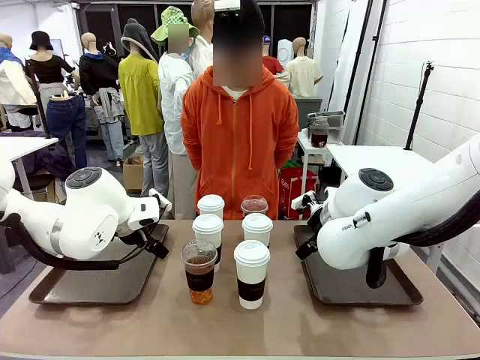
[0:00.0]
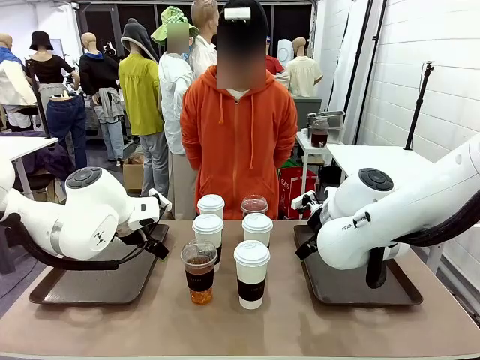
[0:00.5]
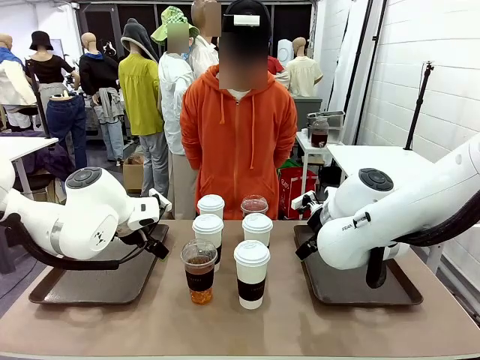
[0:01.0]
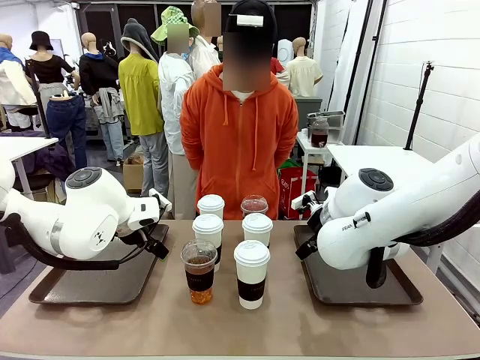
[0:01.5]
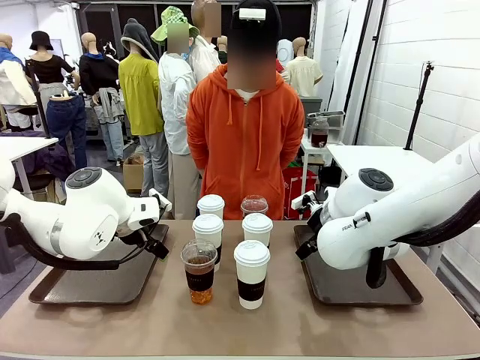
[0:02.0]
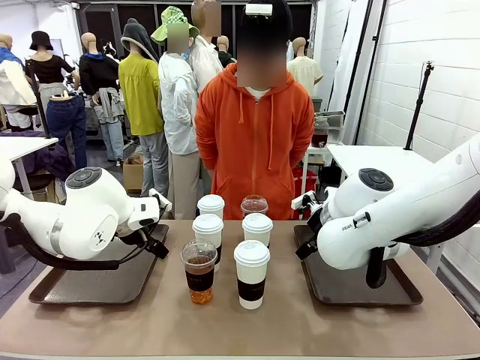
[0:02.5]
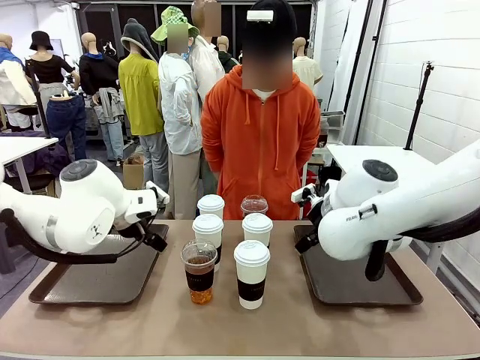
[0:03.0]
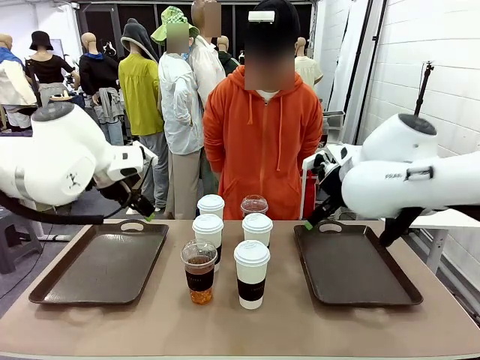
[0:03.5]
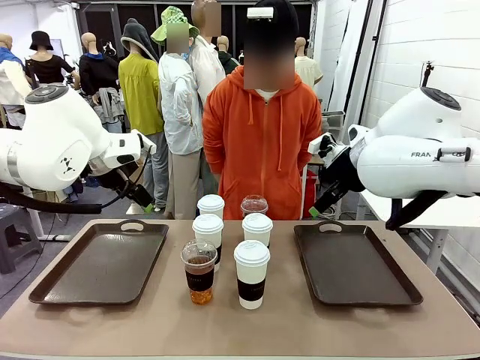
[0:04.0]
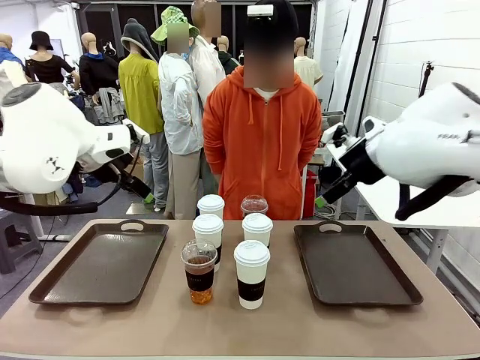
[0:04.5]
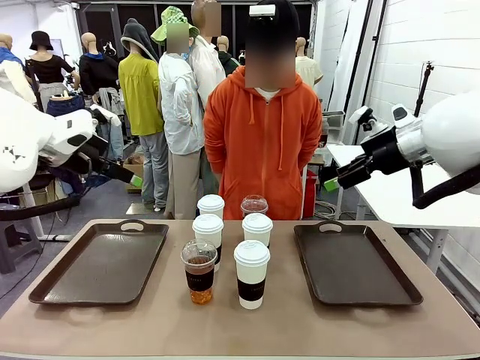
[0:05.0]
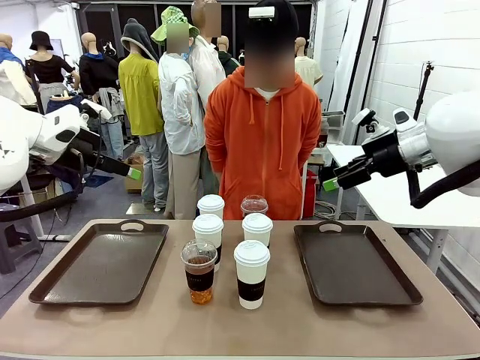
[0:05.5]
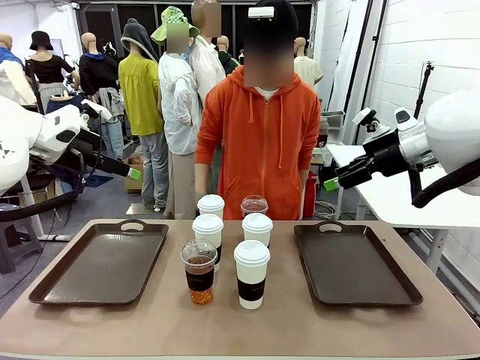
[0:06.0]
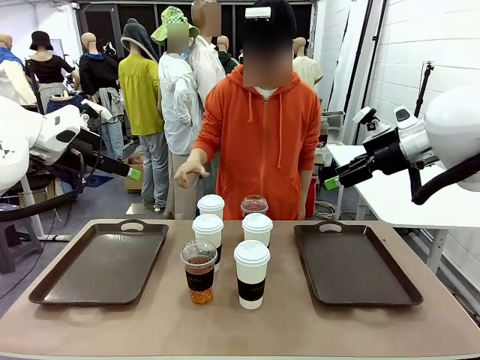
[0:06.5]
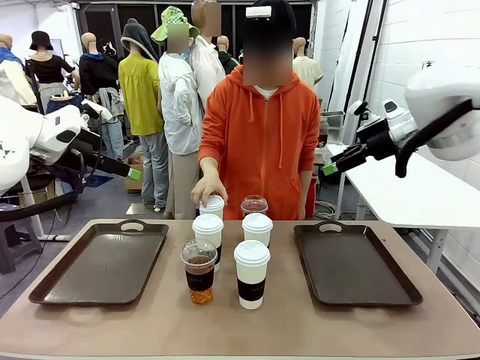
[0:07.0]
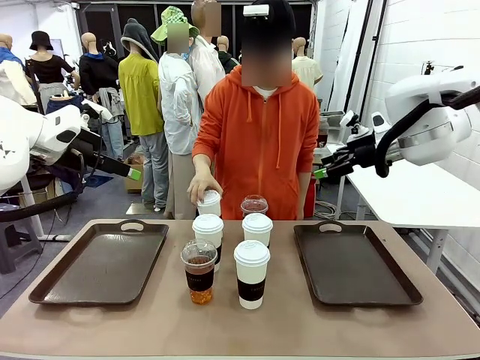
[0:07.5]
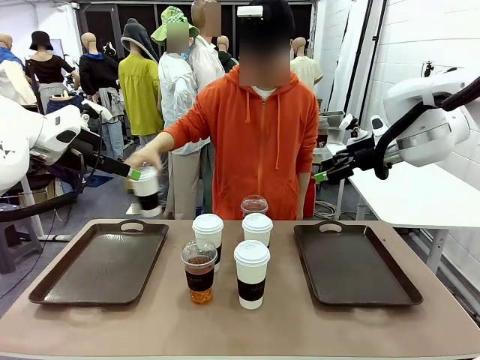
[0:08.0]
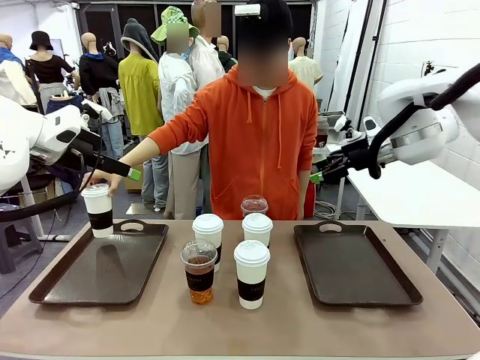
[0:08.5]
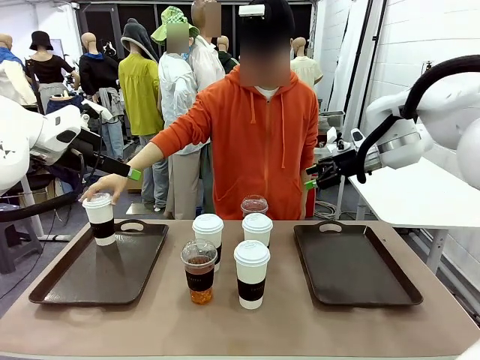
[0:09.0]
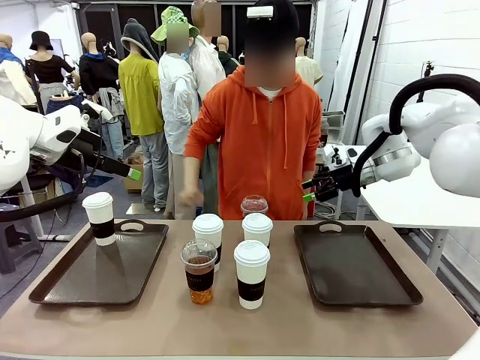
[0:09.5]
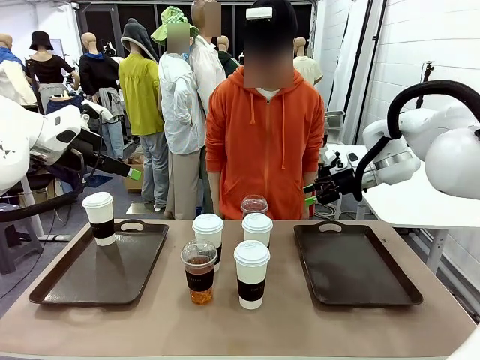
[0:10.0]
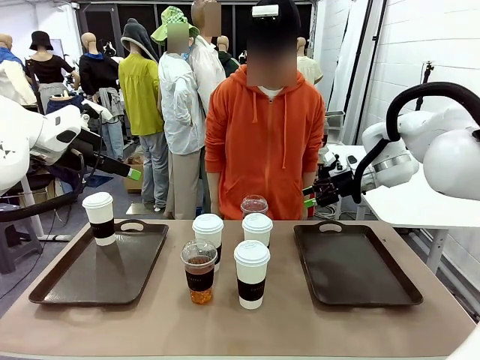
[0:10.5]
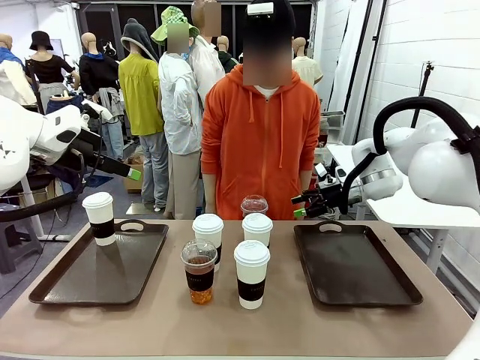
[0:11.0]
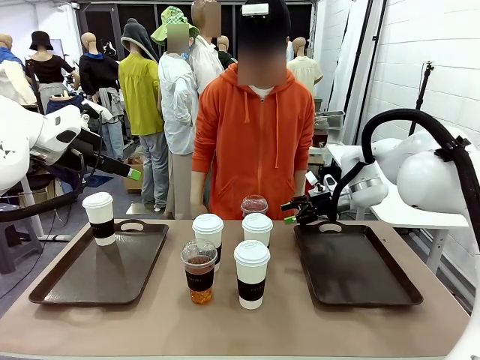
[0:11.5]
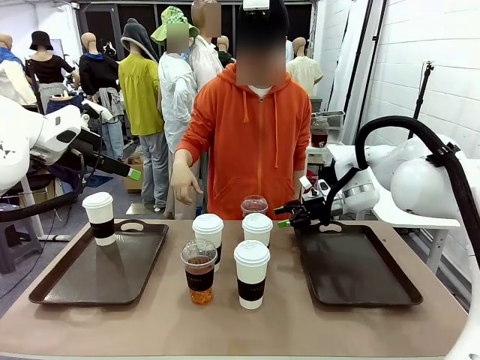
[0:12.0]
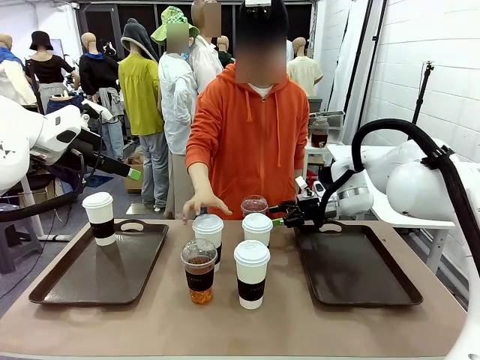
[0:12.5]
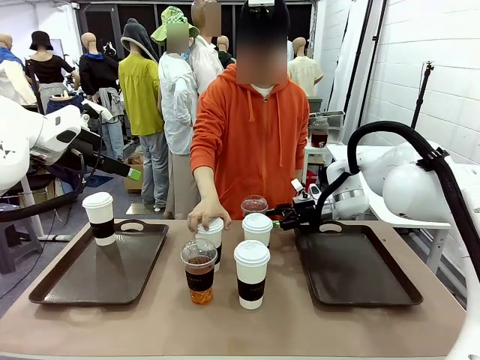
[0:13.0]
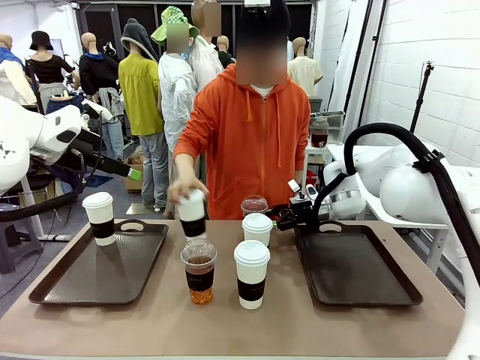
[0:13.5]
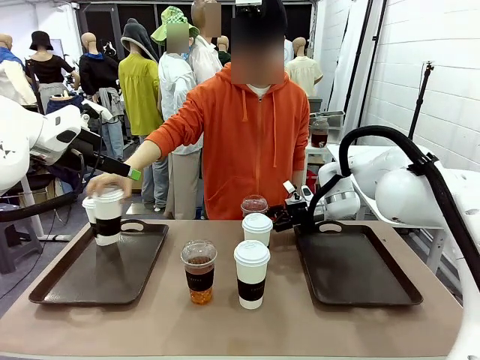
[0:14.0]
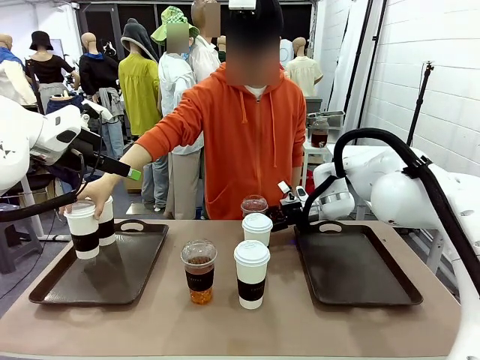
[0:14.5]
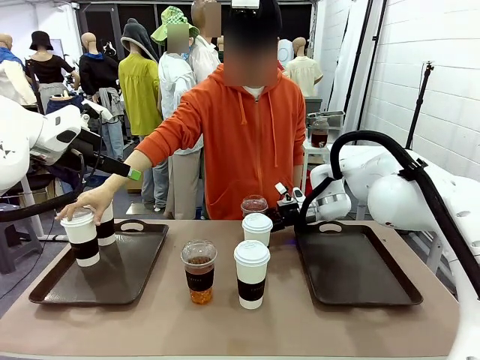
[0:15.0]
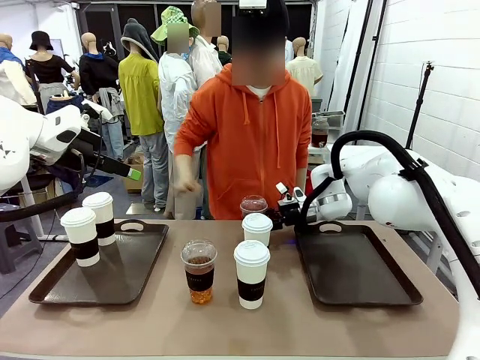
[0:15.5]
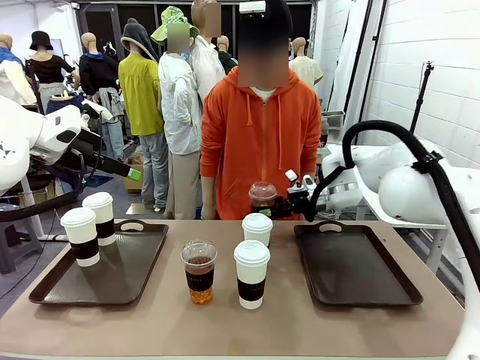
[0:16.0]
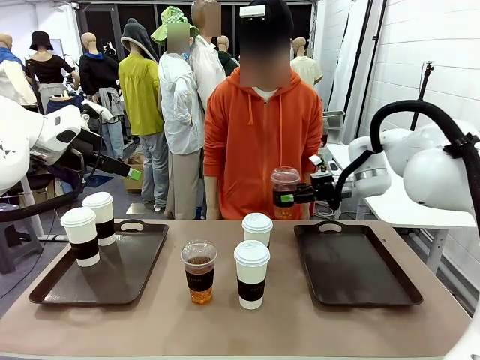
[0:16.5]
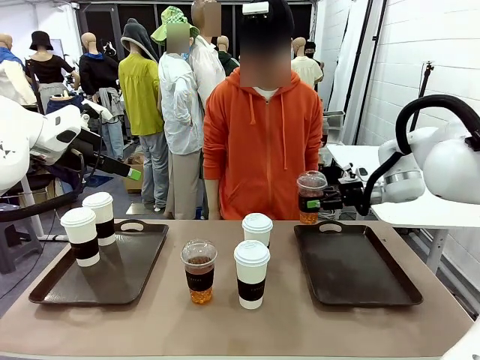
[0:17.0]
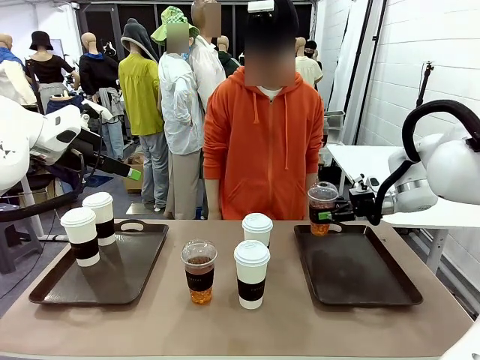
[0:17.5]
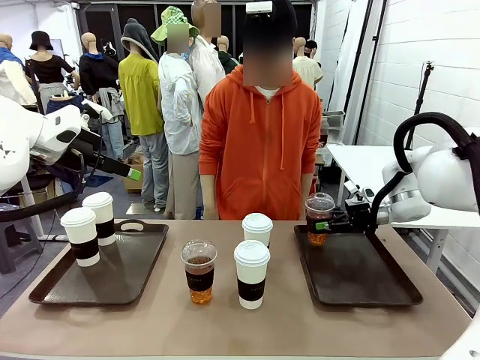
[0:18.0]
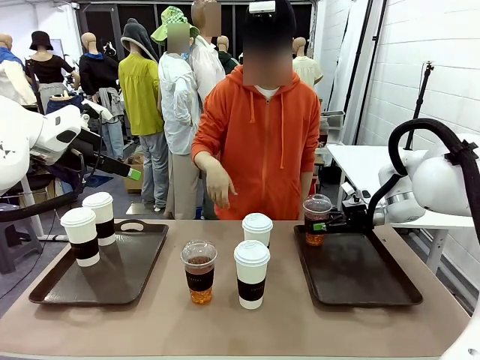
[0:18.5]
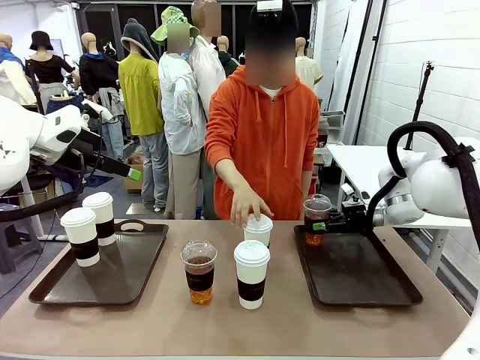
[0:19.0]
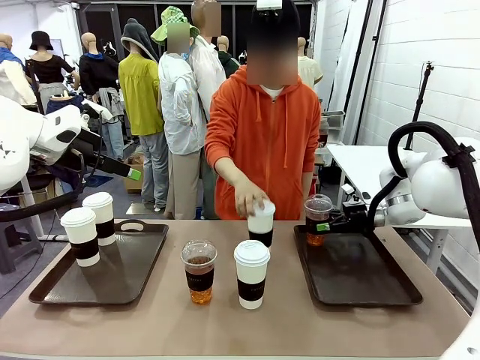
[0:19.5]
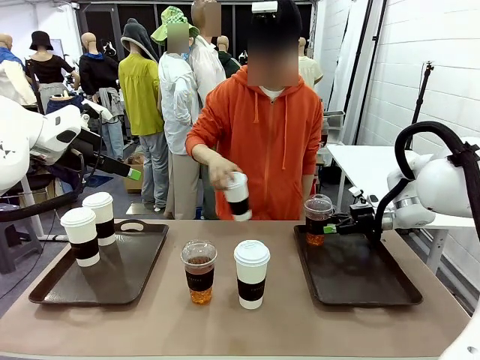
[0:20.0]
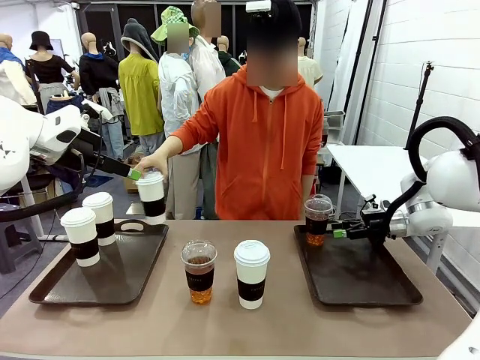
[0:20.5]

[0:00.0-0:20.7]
Task: Distribute the coffee onto the tray.
Robot: Pick up one iced Americano and place it on the right Handle tray.
Person: Pick up a cup of hot Americano and place it on the right tray.
